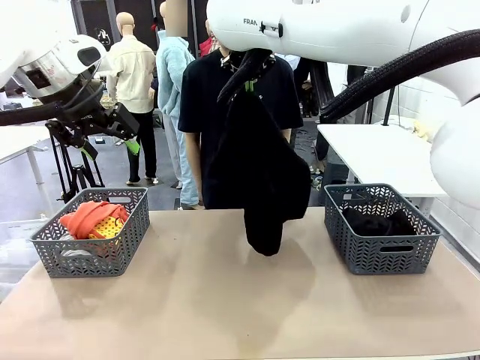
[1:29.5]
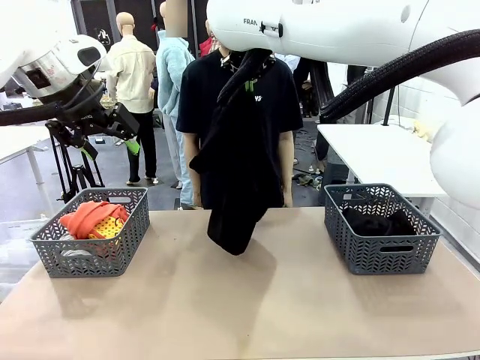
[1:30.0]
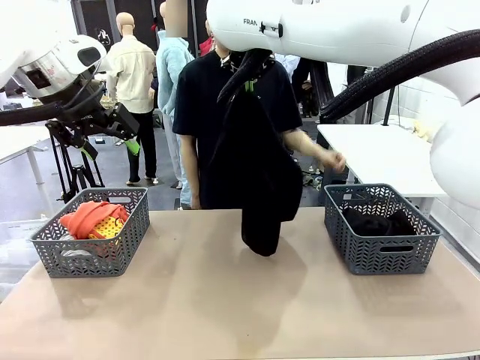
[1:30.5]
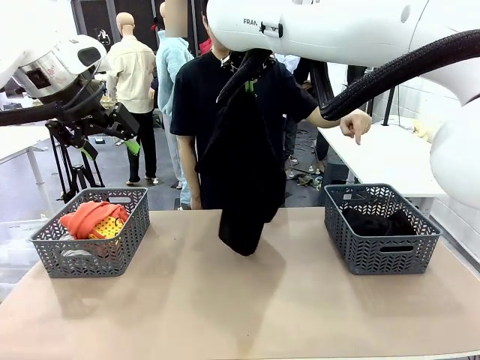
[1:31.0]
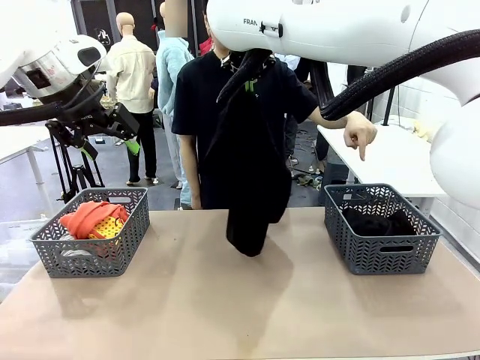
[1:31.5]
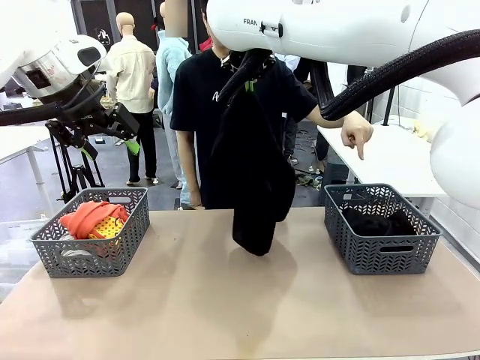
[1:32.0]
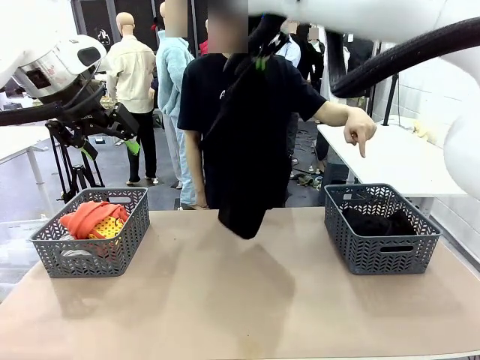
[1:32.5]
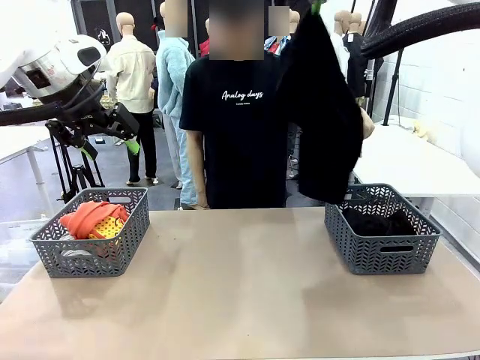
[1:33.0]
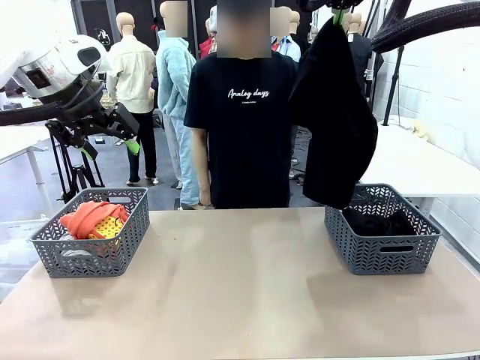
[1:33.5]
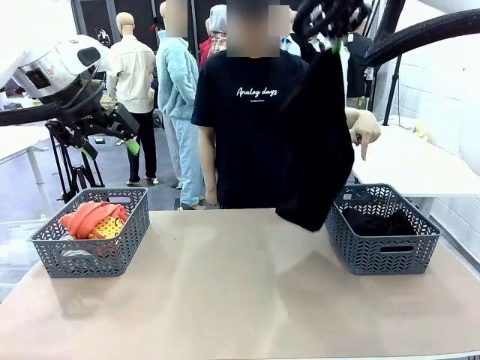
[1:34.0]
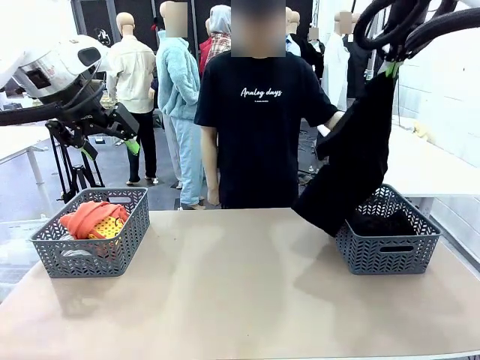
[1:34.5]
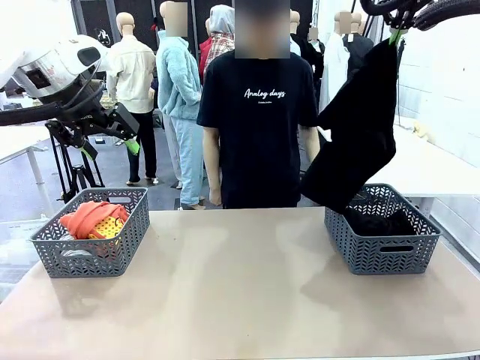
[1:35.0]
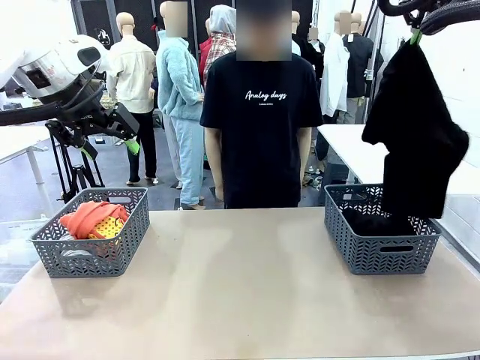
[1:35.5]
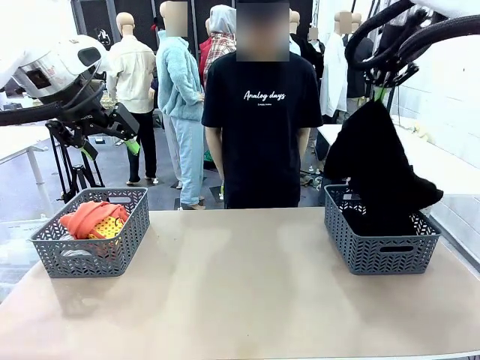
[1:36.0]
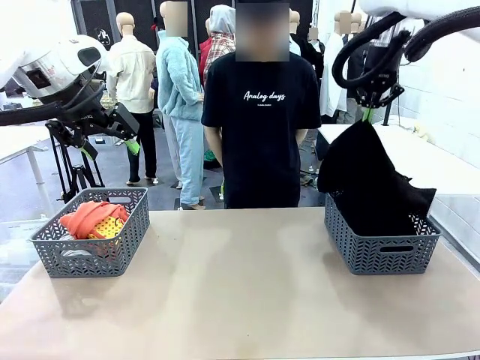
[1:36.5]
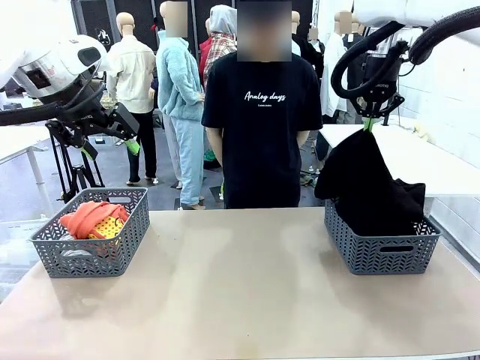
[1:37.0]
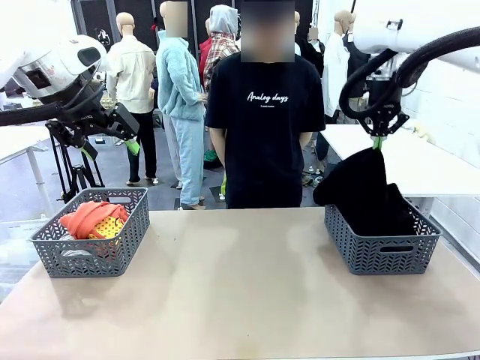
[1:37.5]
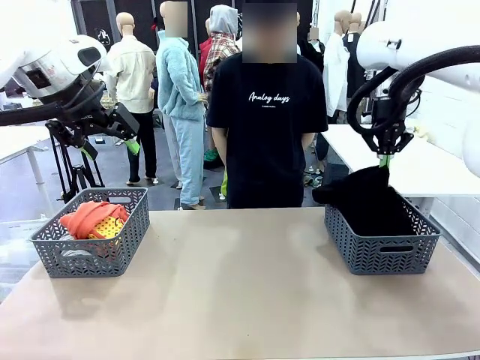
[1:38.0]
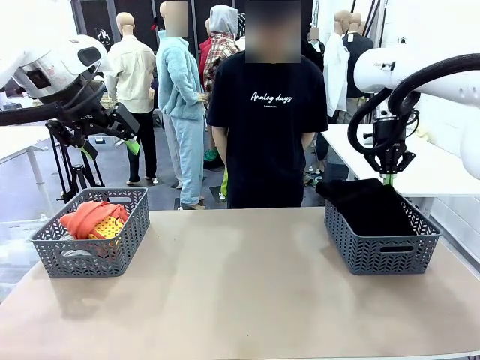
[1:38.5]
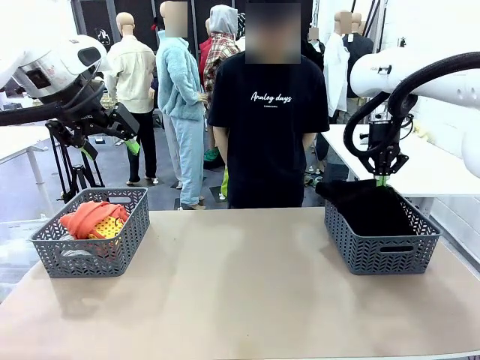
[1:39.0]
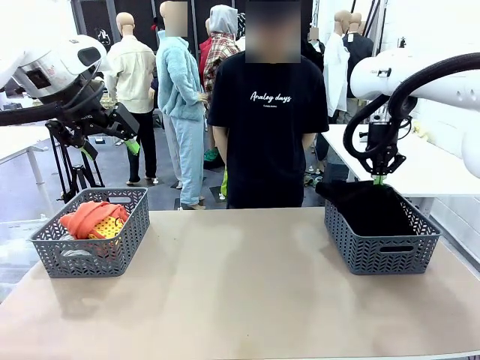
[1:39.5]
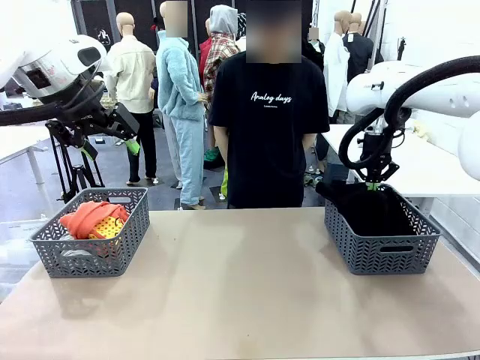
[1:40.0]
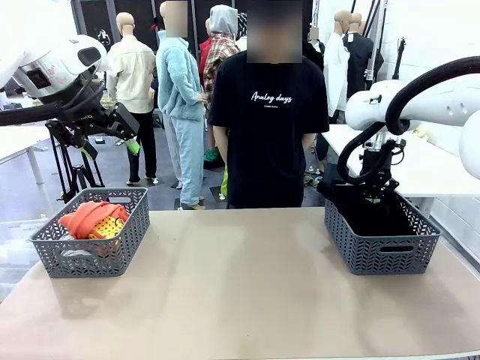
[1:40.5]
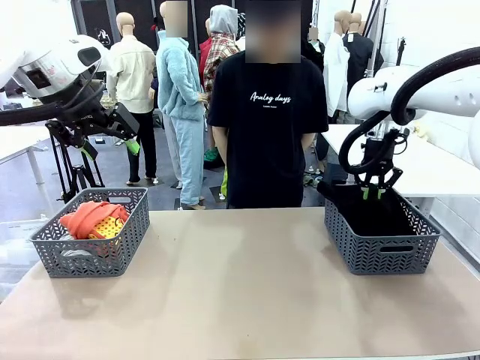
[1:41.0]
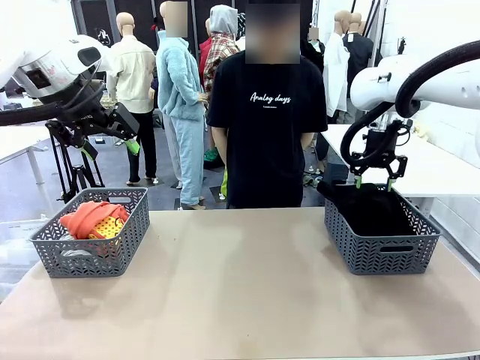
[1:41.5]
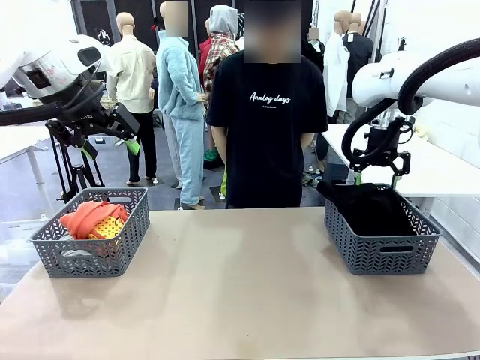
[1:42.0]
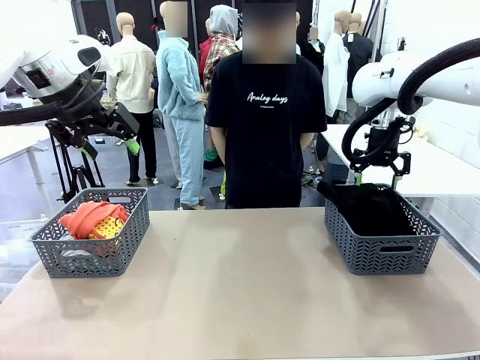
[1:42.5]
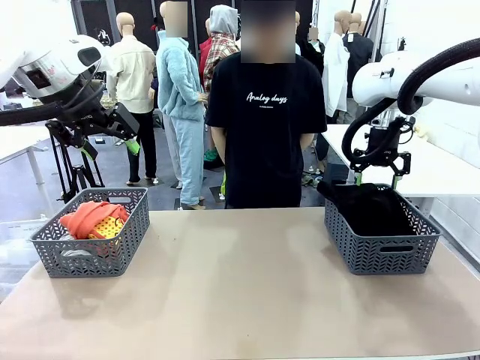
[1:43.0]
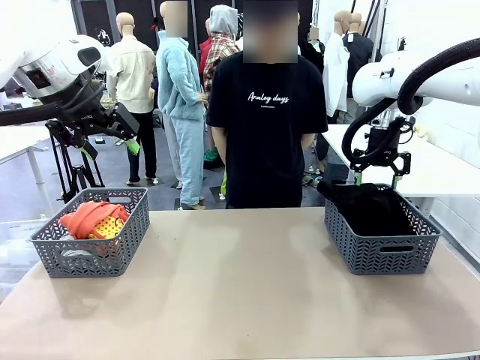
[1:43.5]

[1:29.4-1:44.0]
Task: Sort the tops and bottoms.
Robot: Sort the clothes according to human instructions.

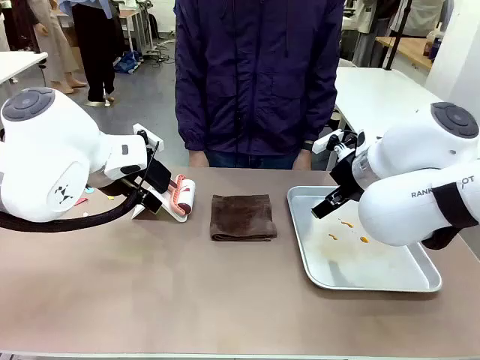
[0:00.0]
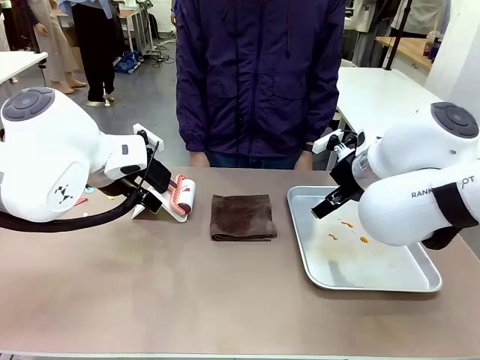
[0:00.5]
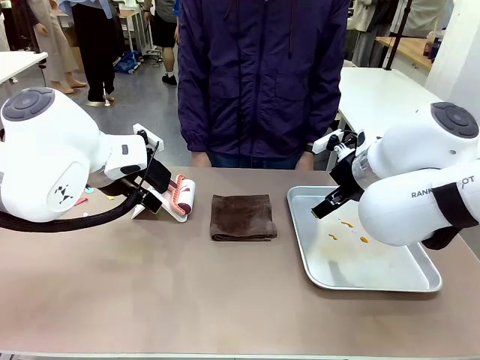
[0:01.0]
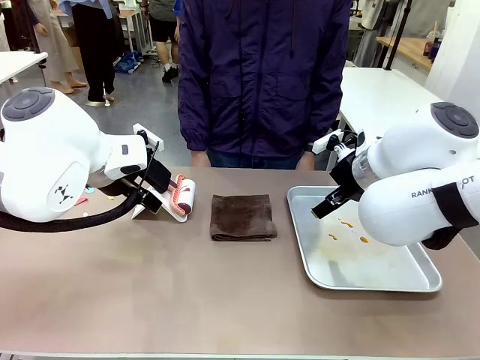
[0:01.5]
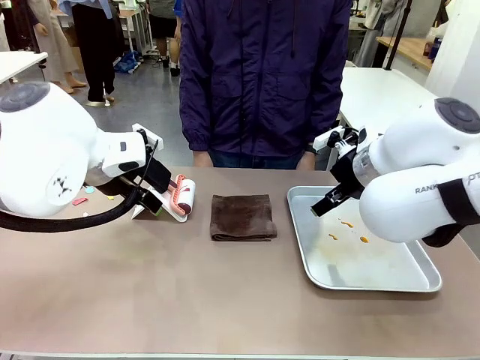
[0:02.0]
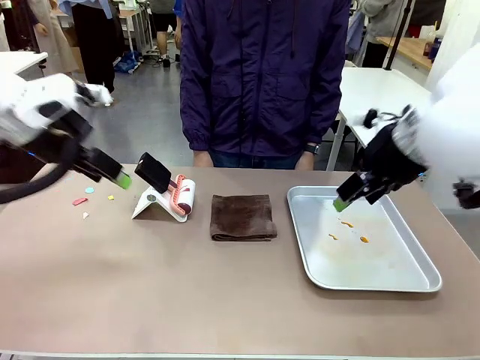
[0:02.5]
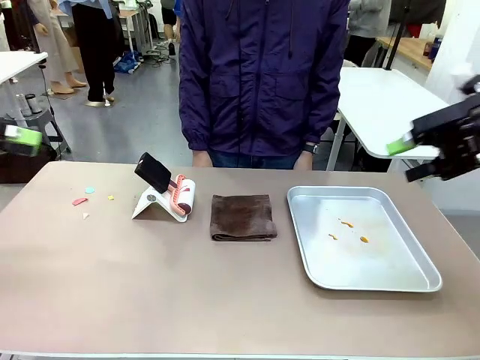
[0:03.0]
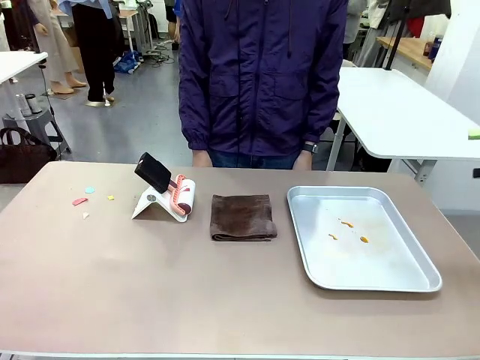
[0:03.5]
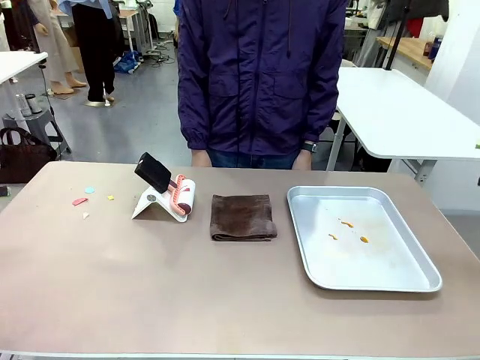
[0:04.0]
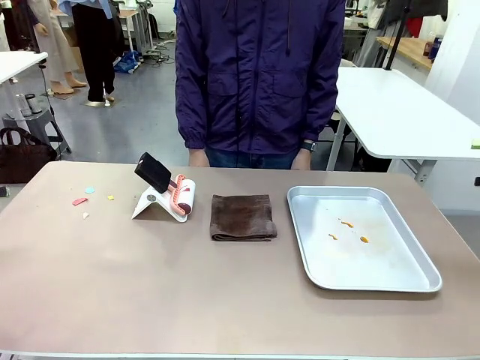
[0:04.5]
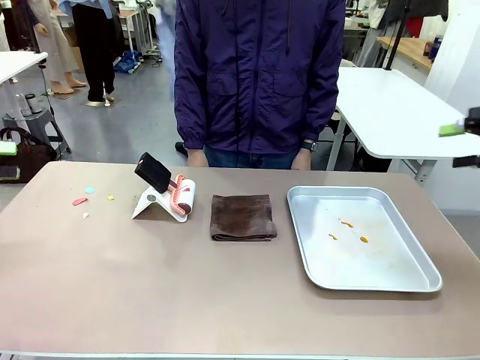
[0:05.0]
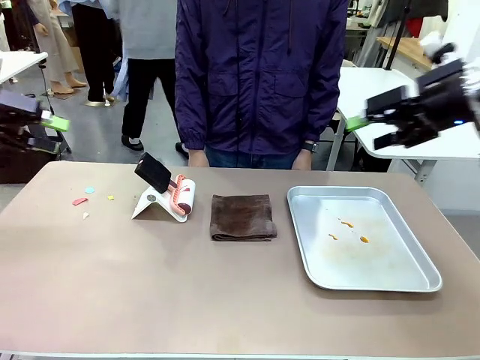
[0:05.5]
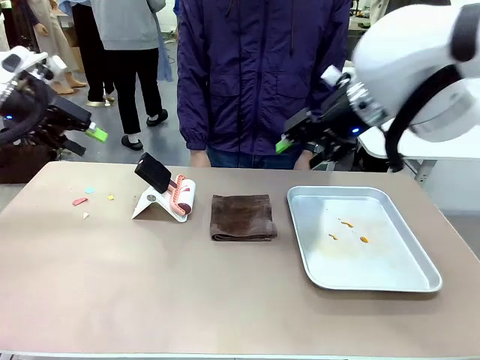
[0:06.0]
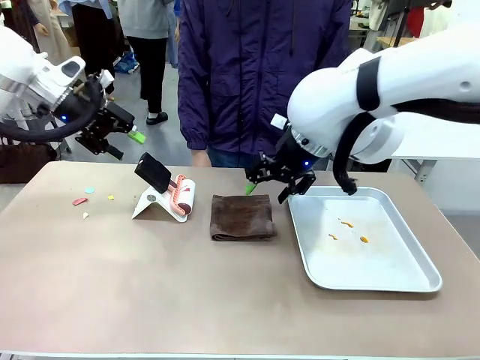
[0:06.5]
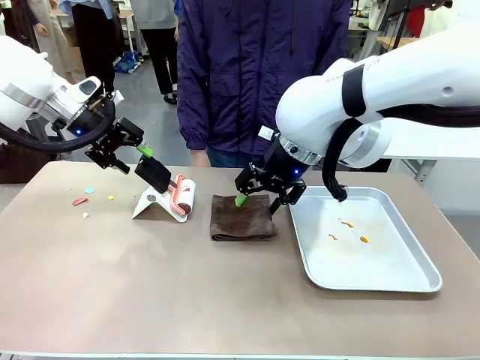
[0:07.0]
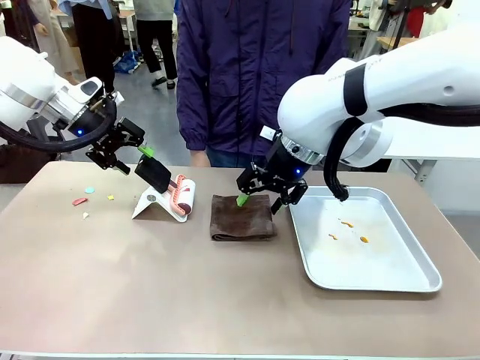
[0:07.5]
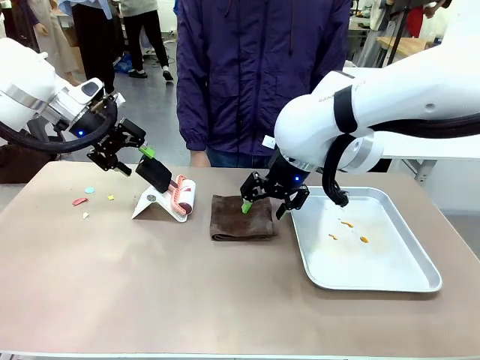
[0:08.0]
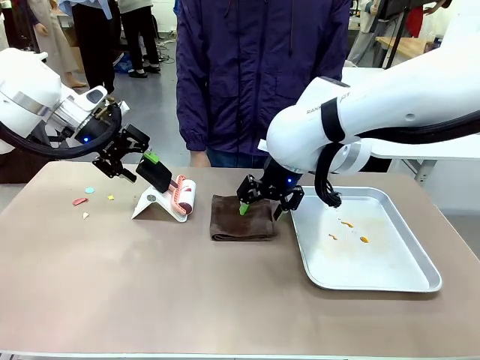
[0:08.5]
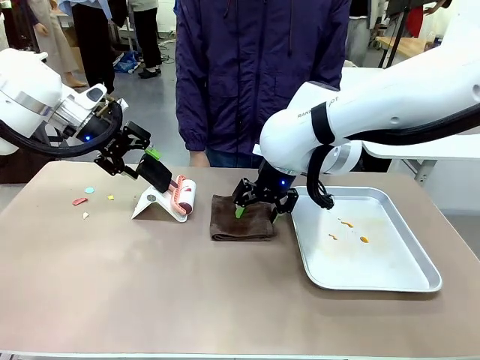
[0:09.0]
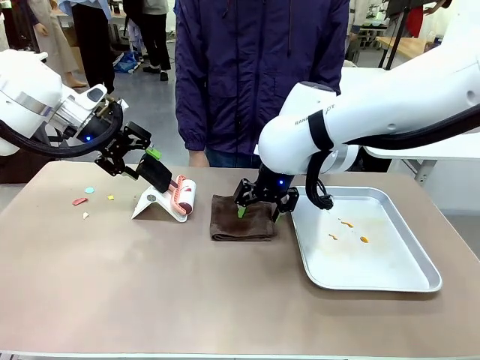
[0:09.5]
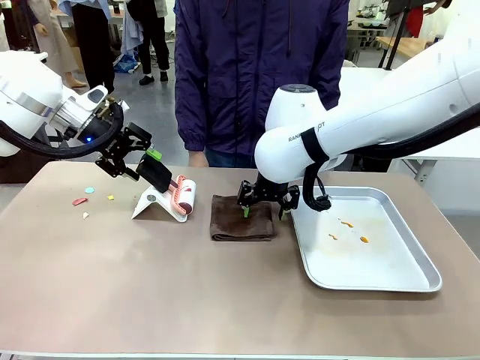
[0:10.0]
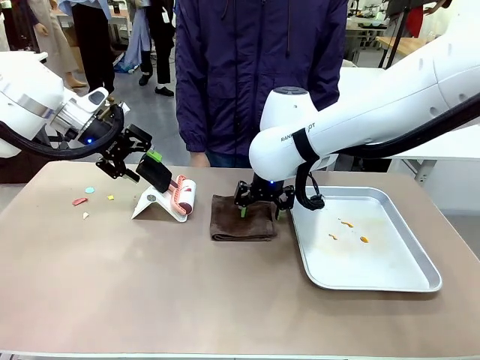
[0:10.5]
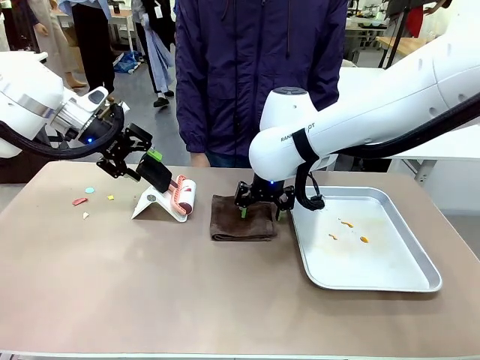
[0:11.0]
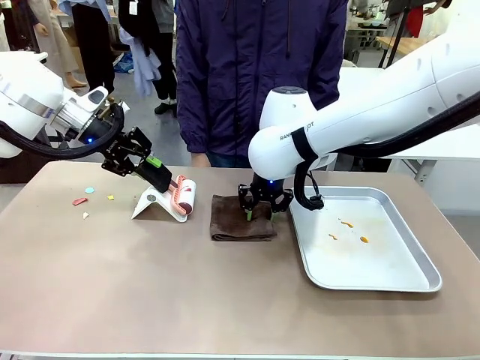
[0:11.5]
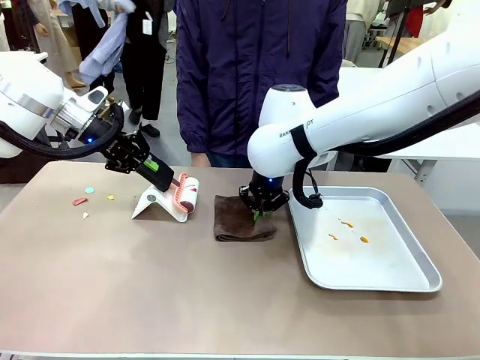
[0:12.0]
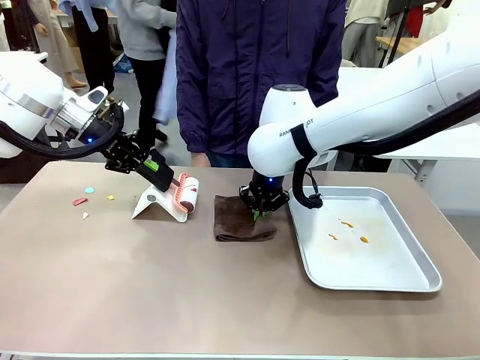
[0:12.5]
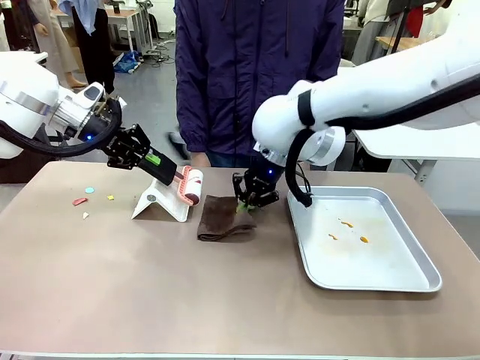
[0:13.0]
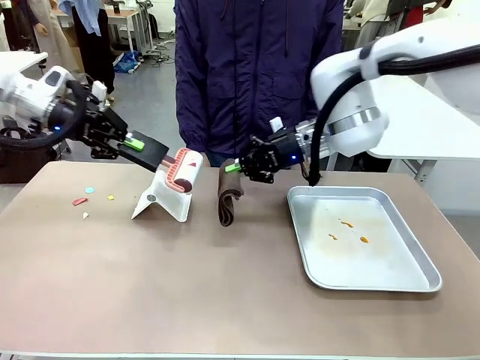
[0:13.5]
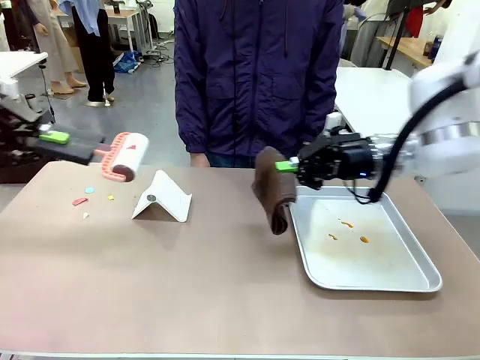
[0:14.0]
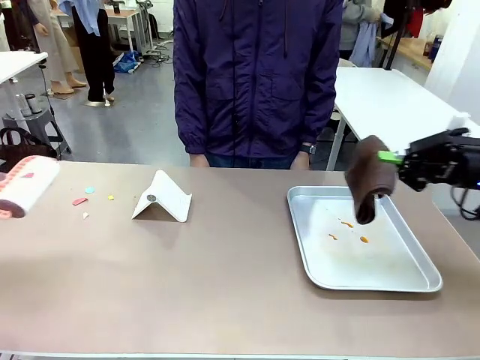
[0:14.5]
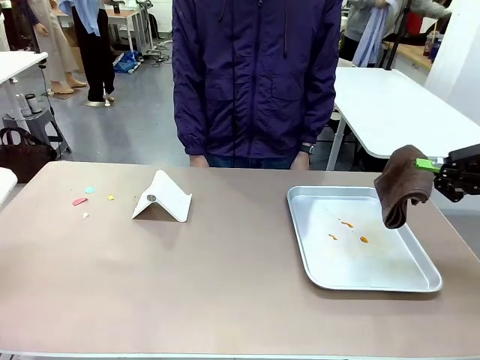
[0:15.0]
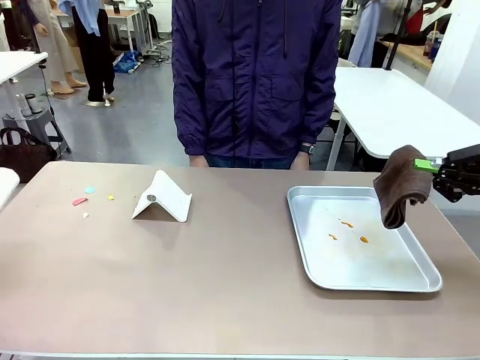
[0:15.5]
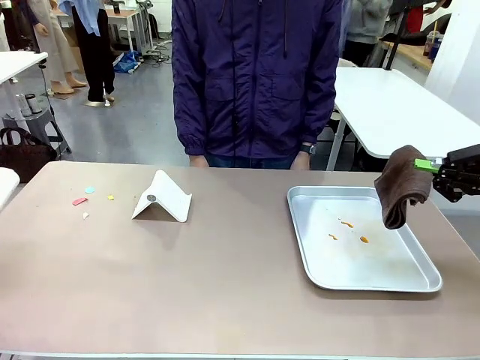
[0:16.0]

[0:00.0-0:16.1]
Task: Clean the surface of the table.
Robot: Hold the Lint Roller with your left hand and the towel with your right hand.
